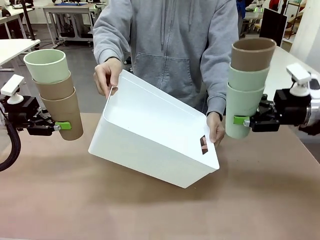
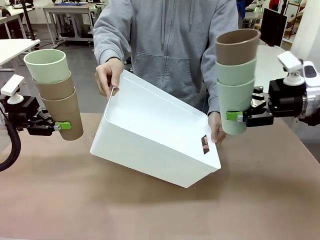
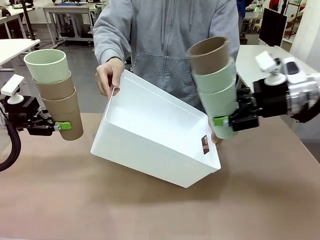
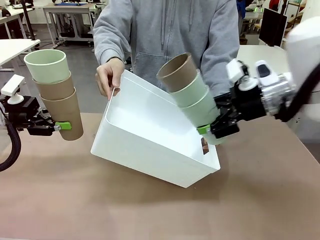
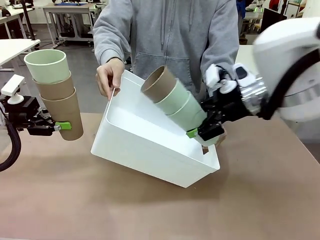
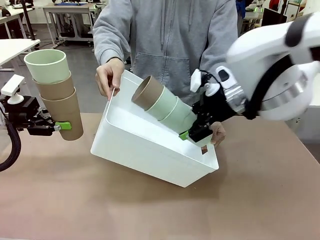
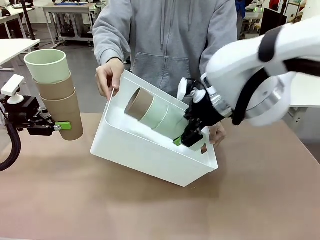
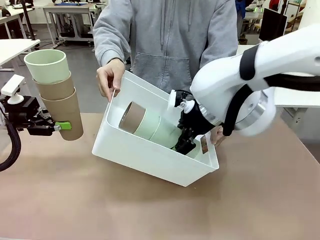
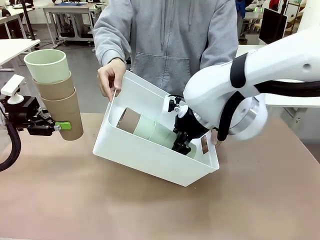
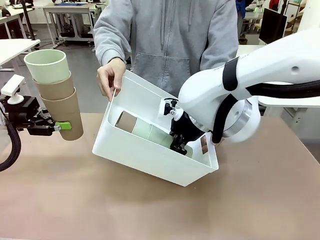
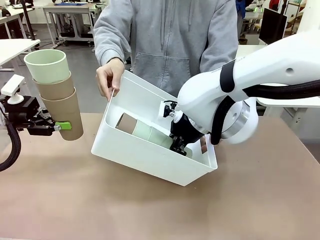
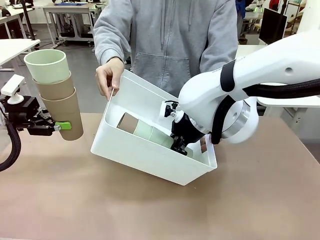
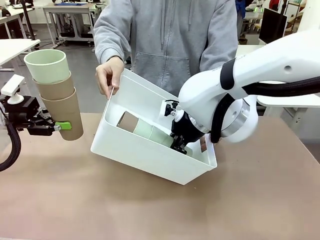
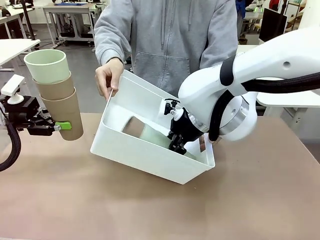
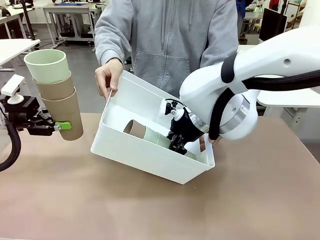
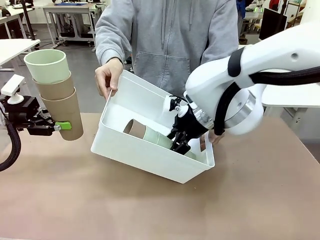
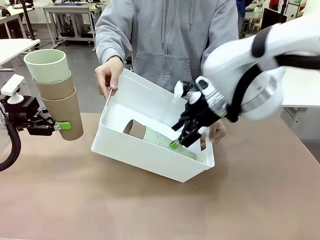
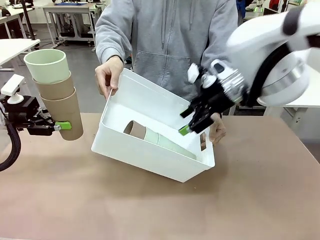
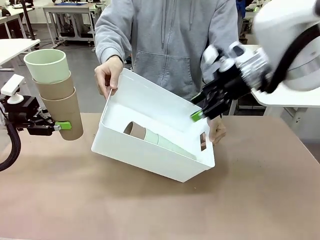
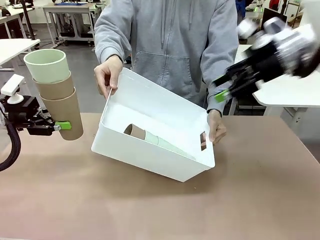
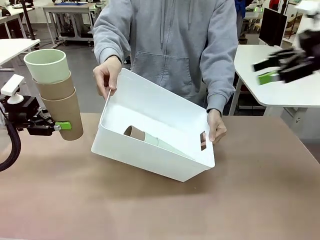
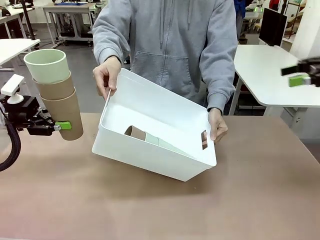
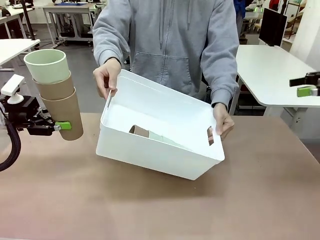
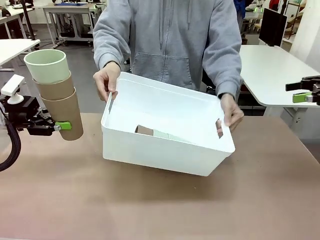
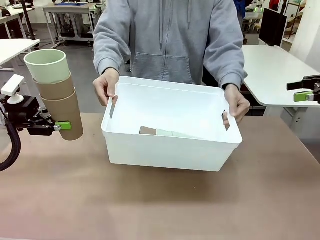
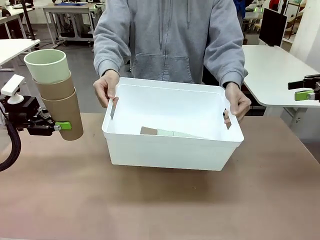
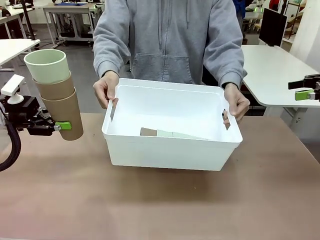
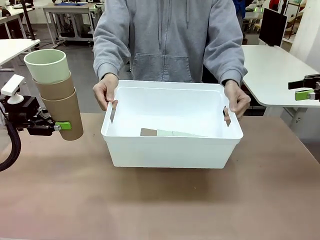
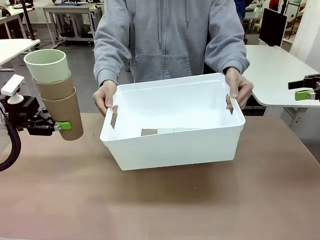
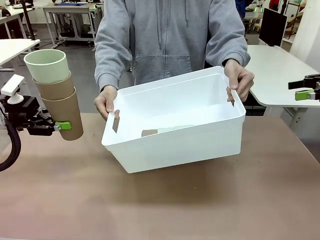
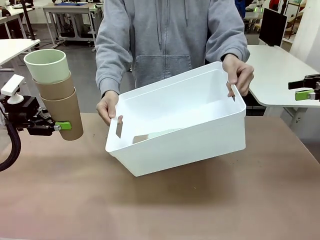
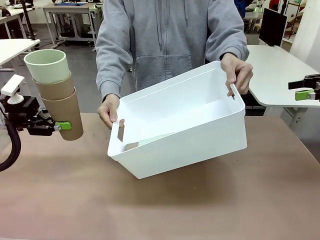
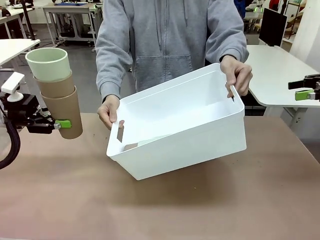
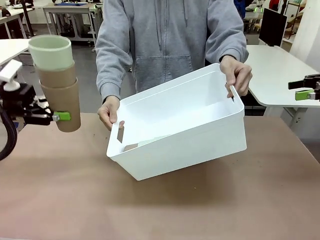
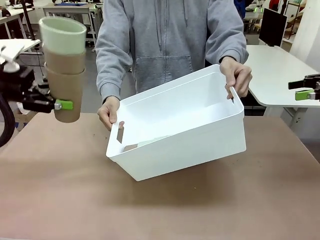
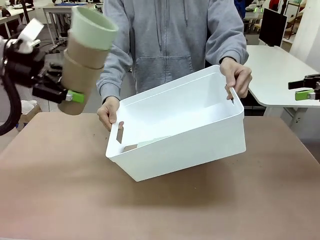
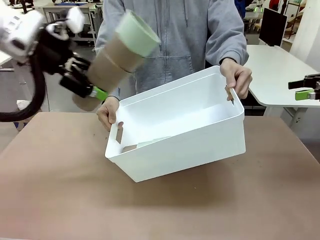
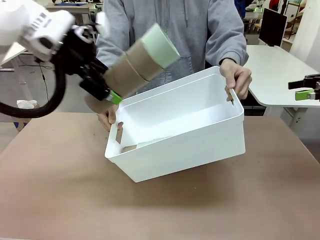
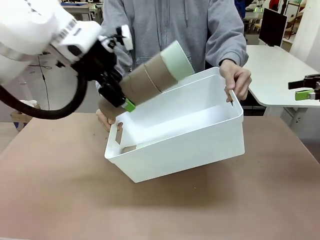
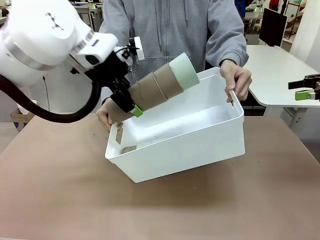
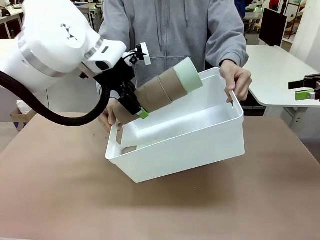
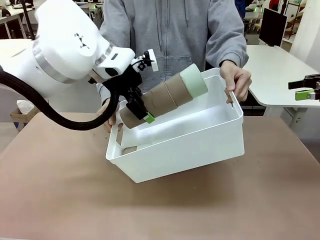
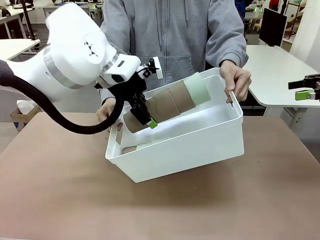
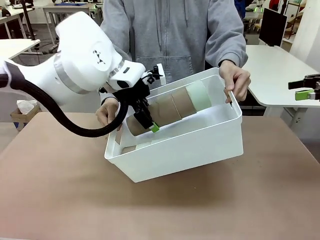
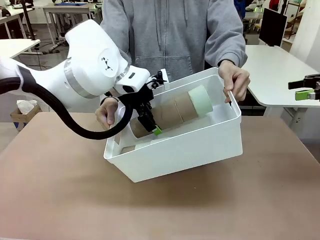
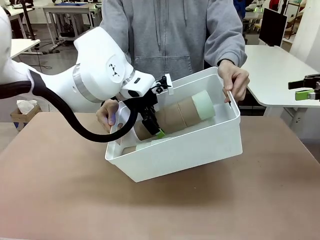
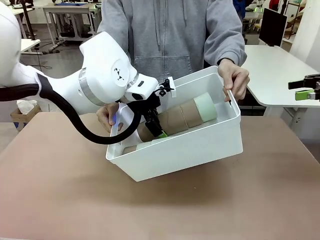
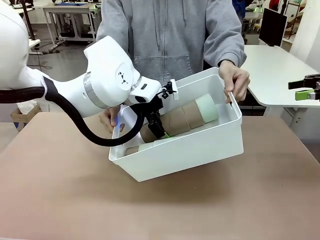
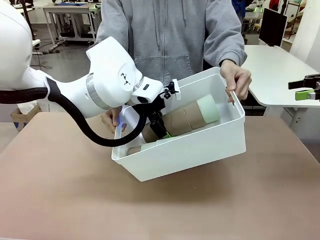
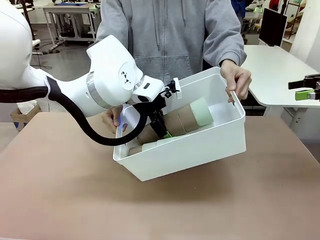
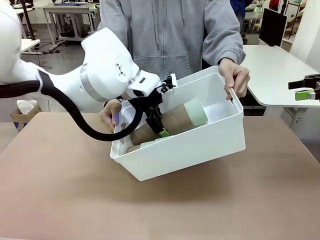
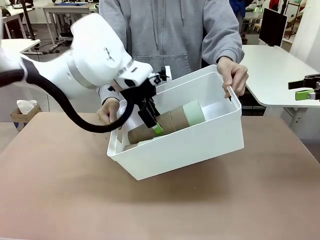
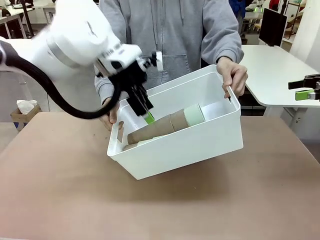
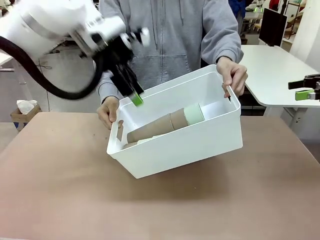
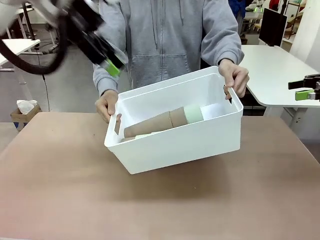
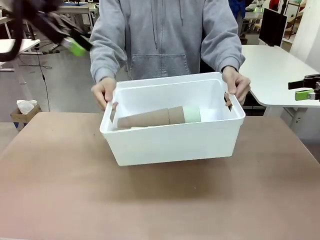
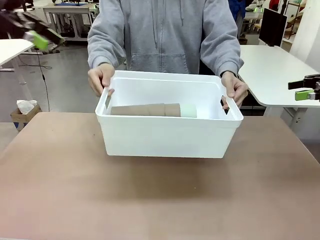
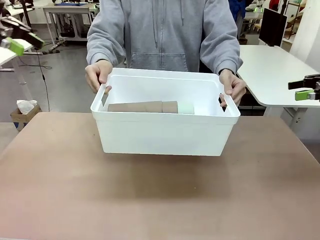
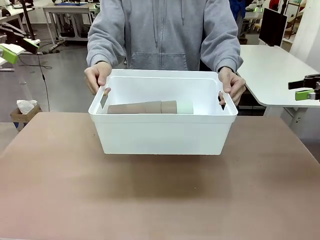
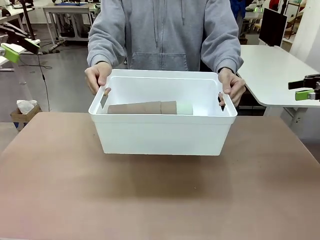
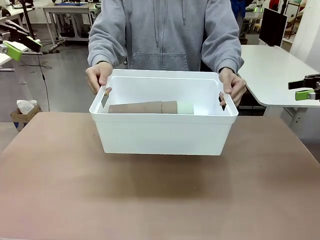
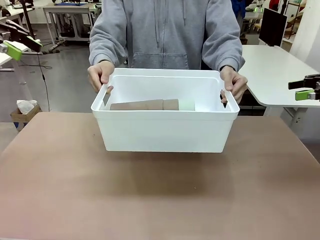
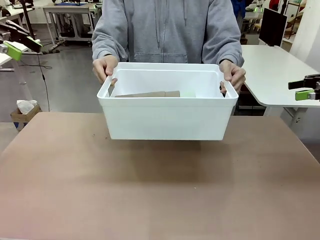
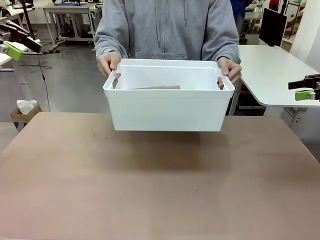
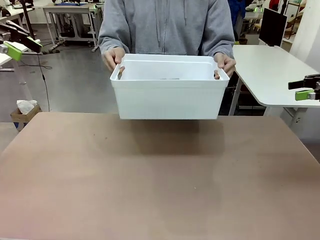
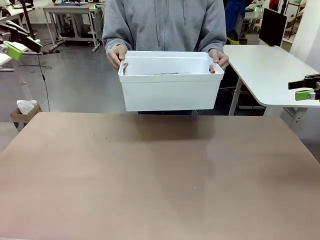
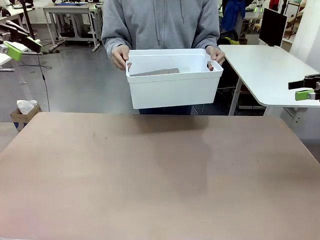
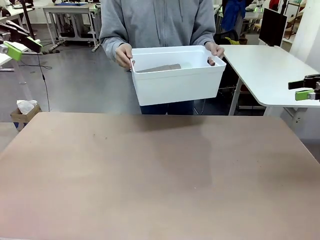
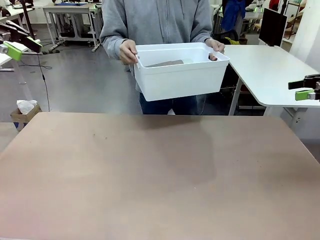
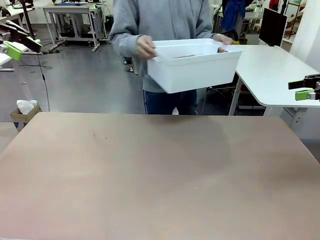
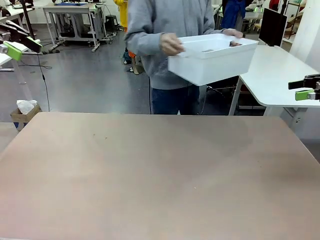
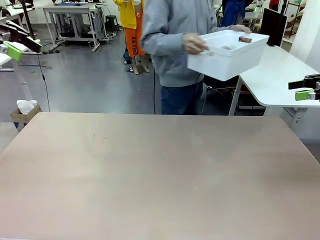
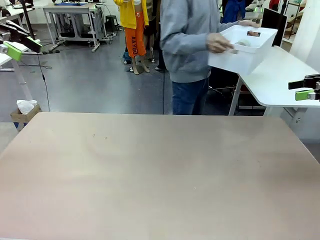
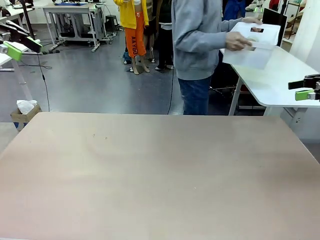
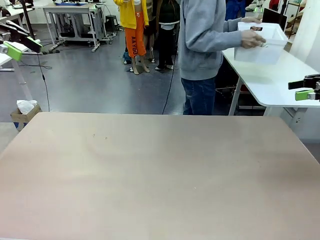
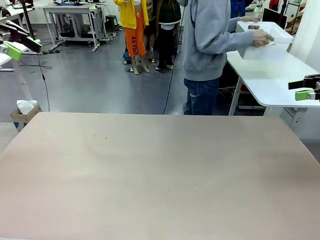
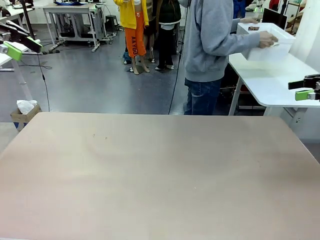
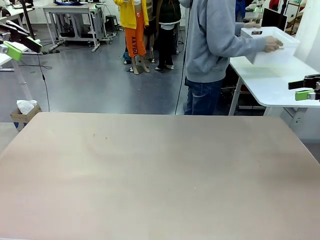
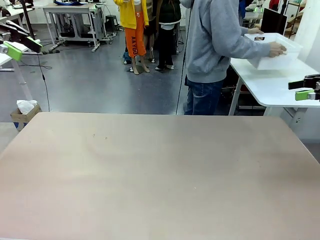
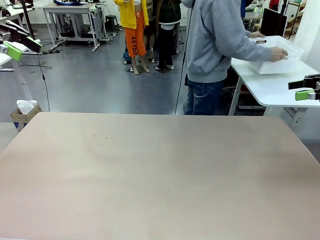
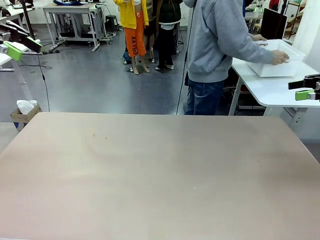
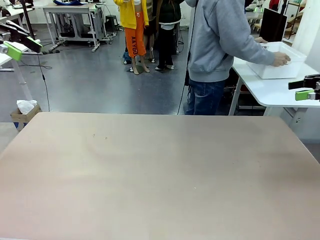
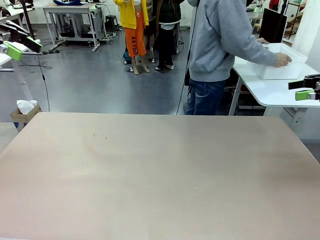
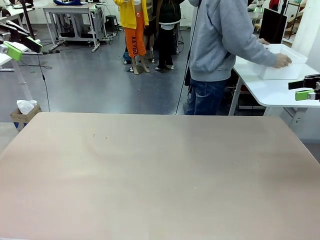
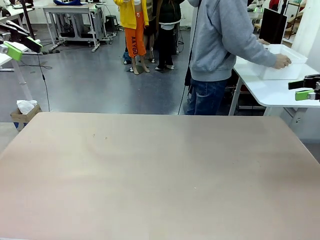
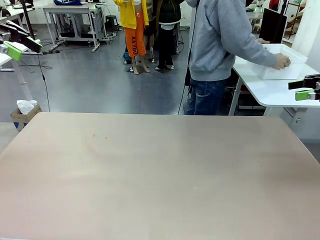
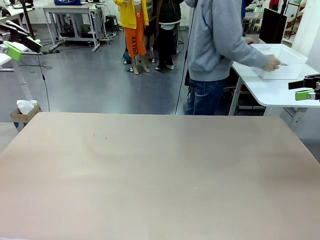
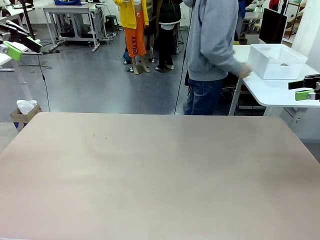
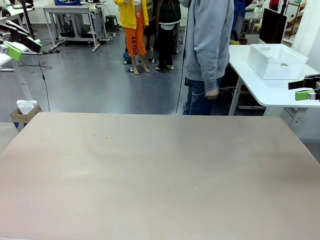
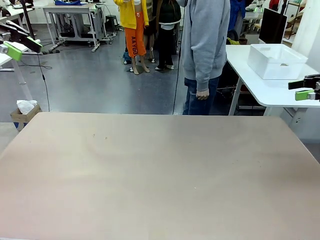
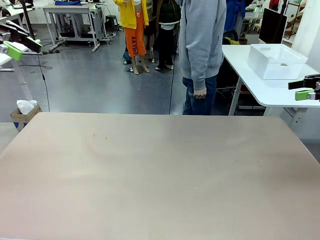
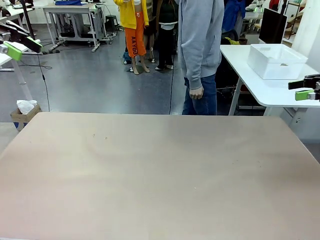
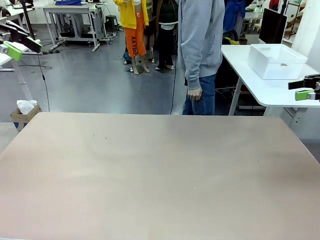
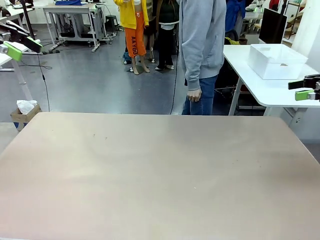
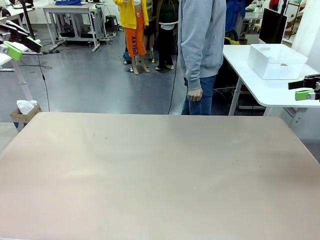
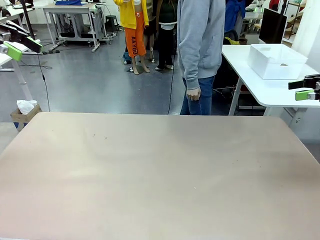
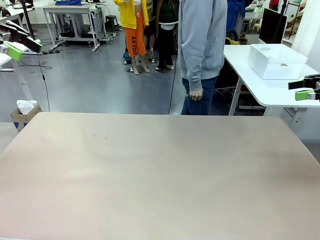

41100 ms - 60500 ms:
Task: Stack the cups and store them in the basket.
Robot: Place the stack of Reusable plastic cups into the Pantry Basket.
Person: Place the basket containing the cups in the middle of the Human Table.
